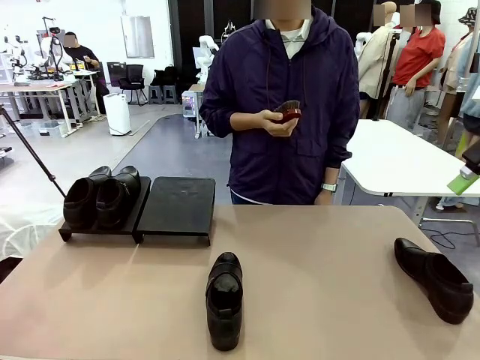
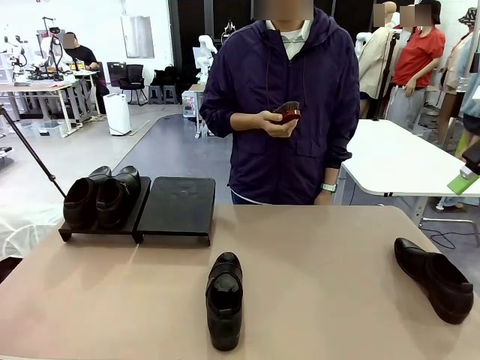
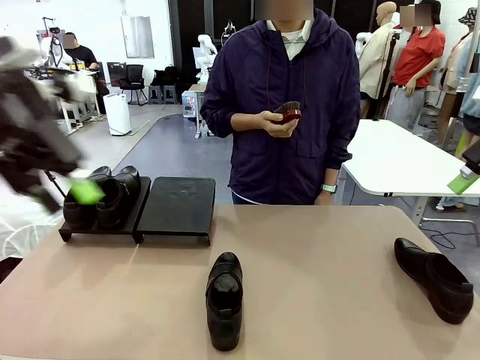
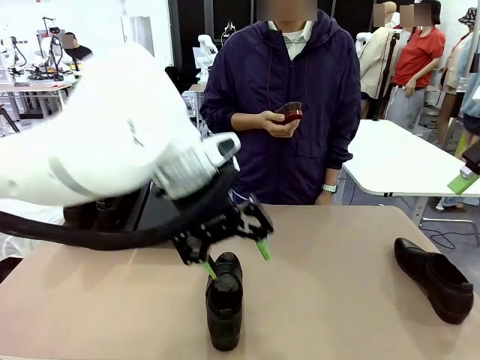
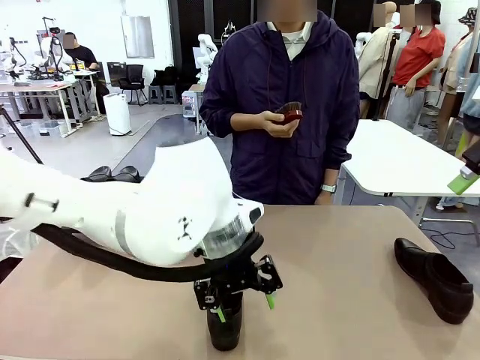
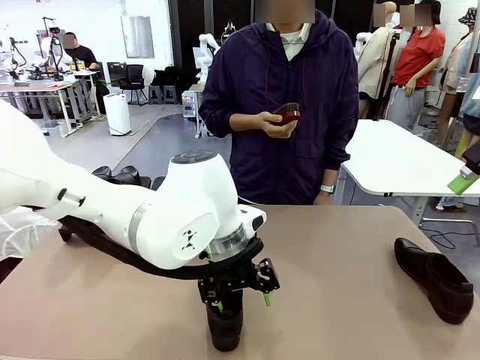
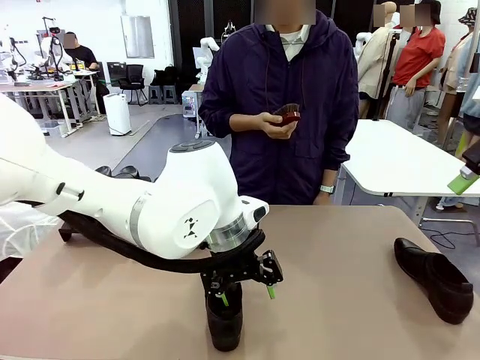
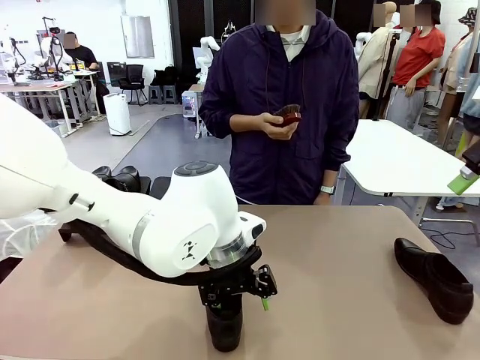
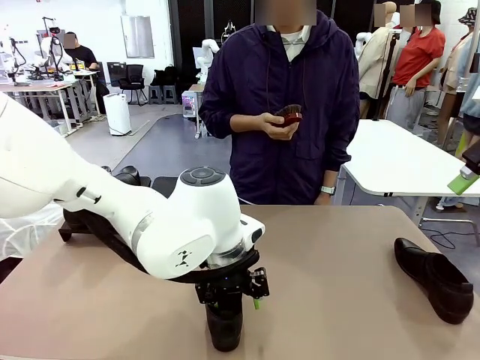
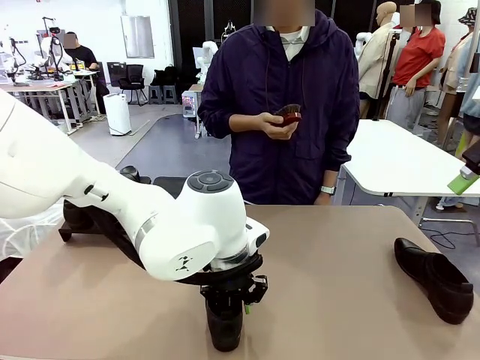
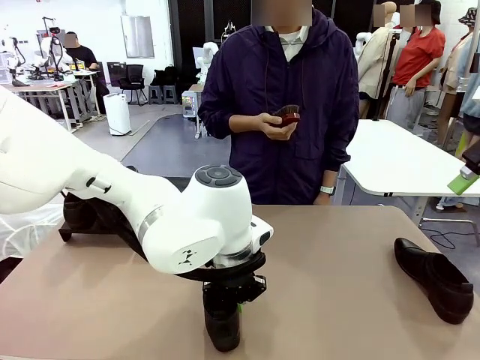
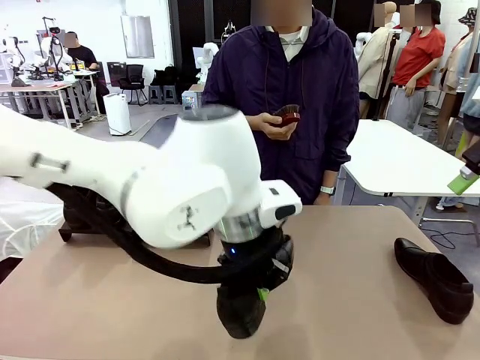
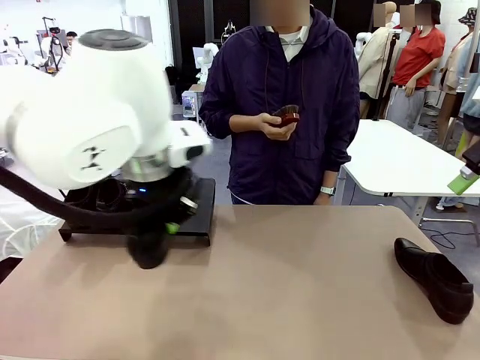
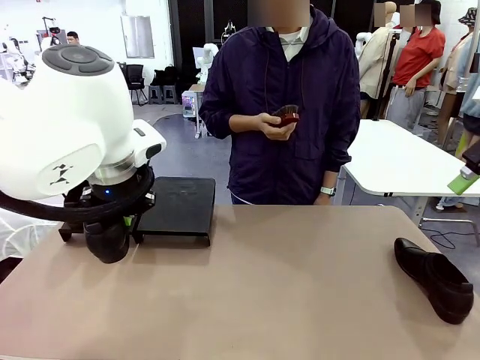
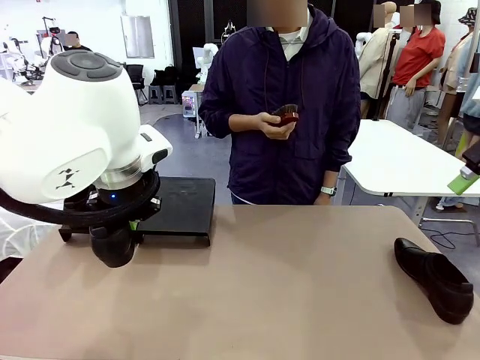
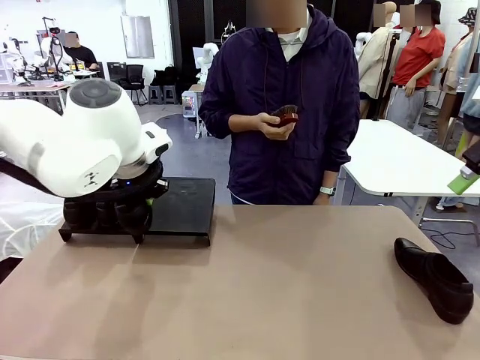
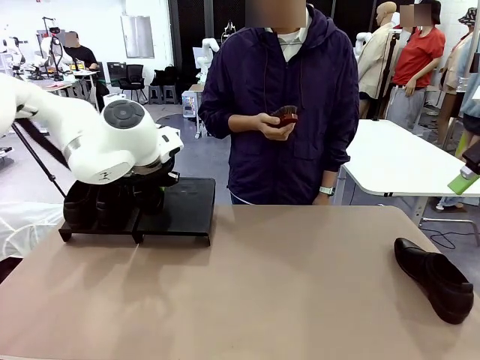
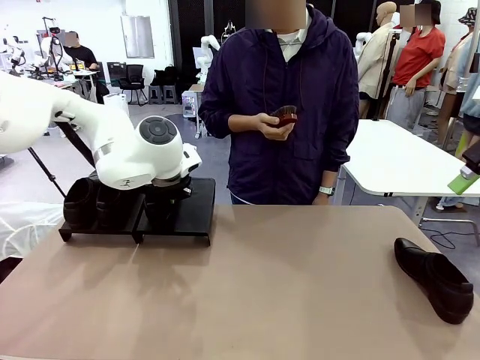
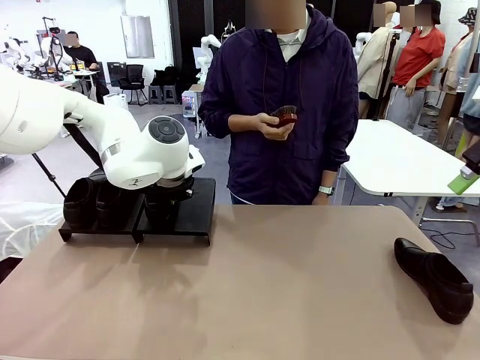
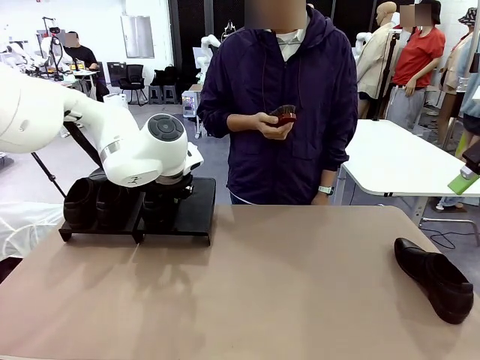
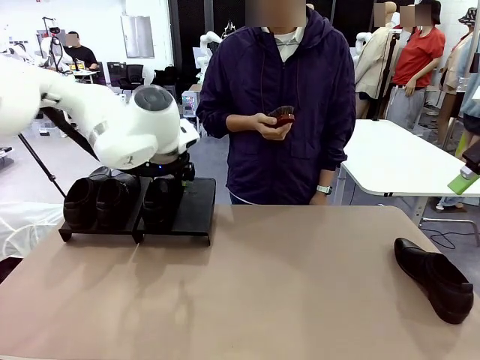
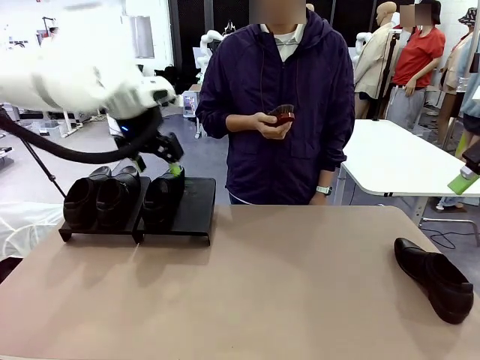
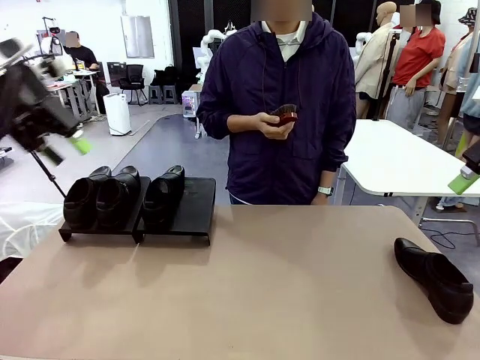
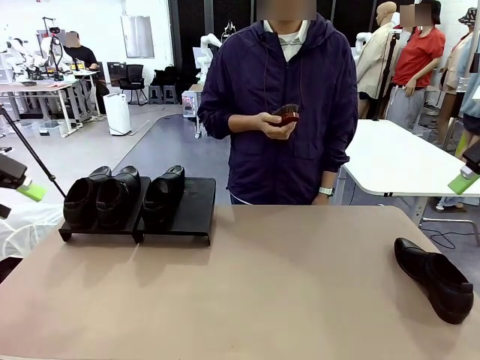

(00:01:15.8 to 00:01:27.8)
Task: Organize the shoes by placing them on the stand.
Robot: Place the Shoe from the middle of the table onto the Shoes Stand.

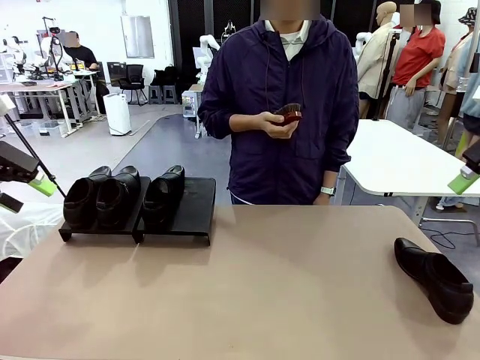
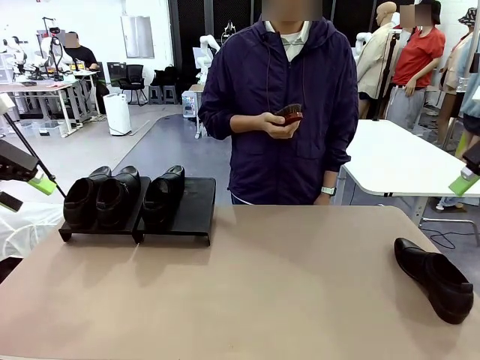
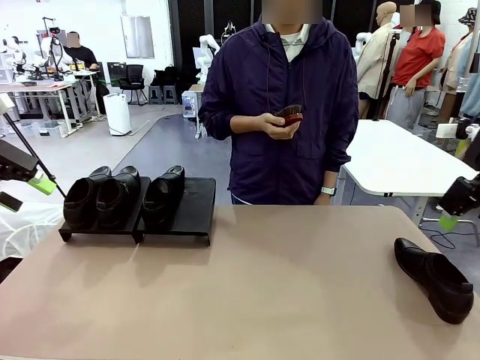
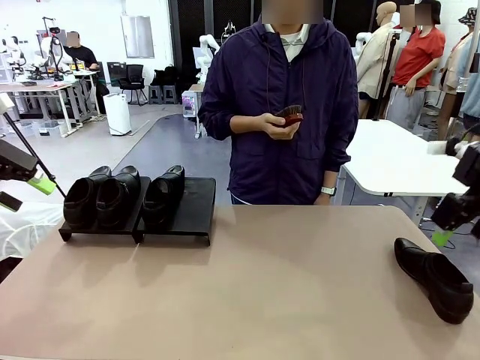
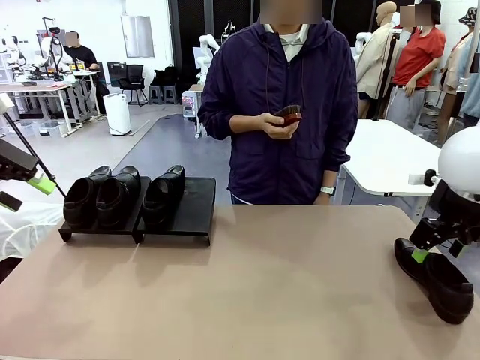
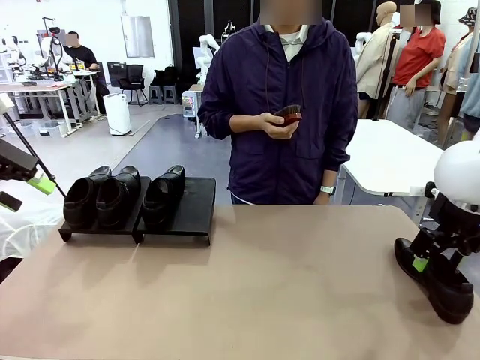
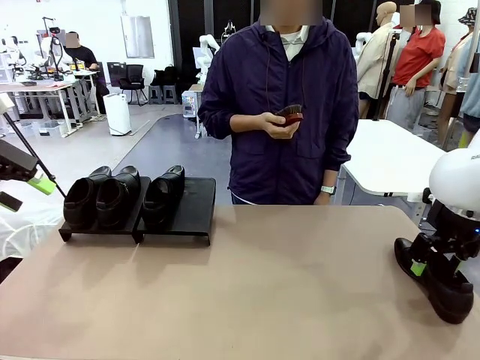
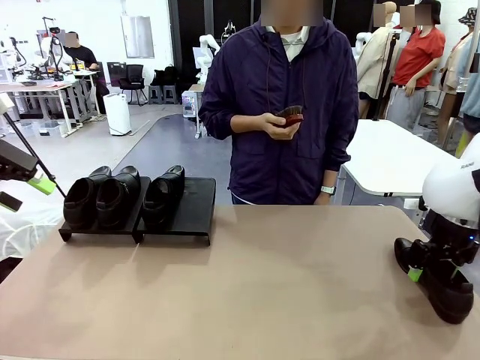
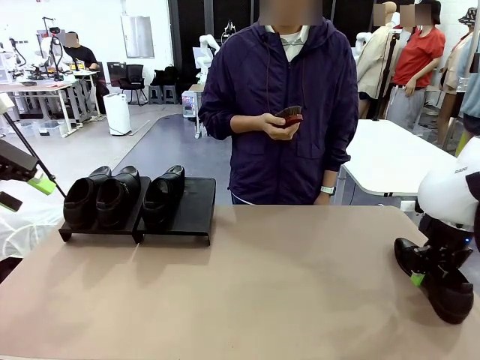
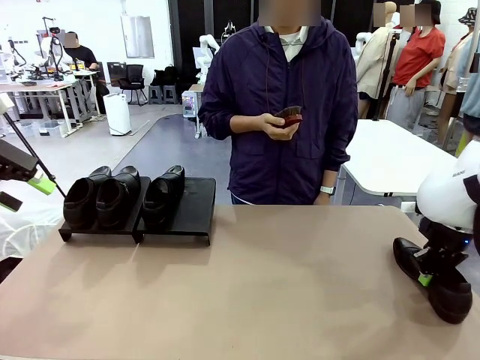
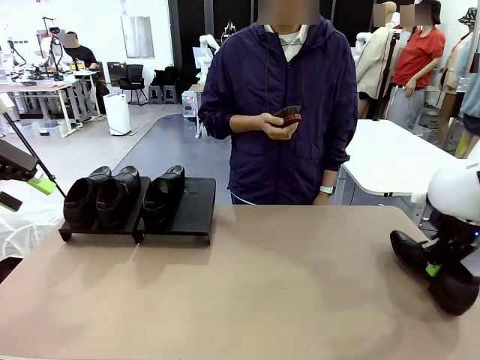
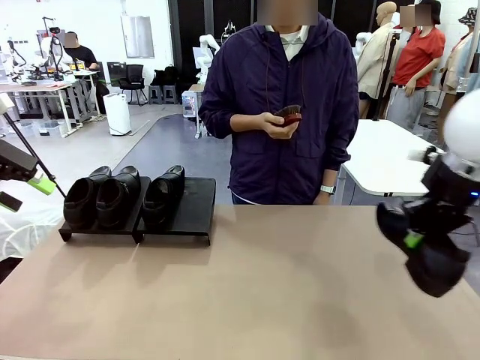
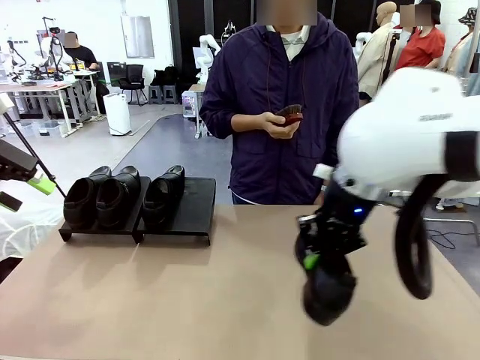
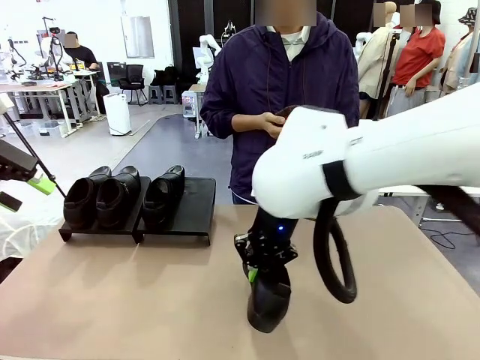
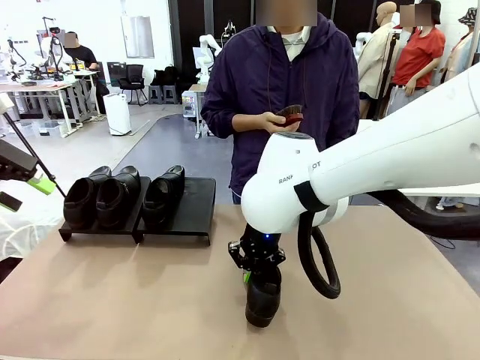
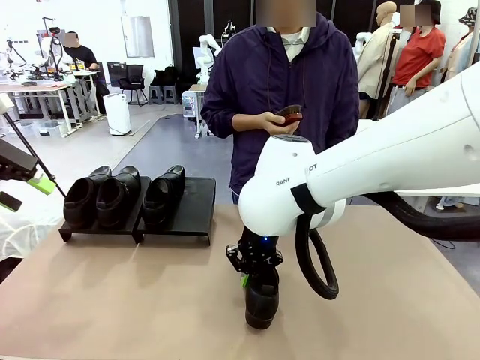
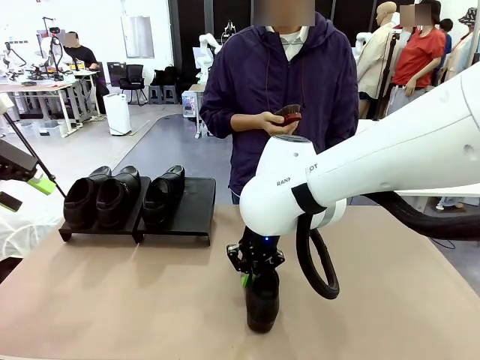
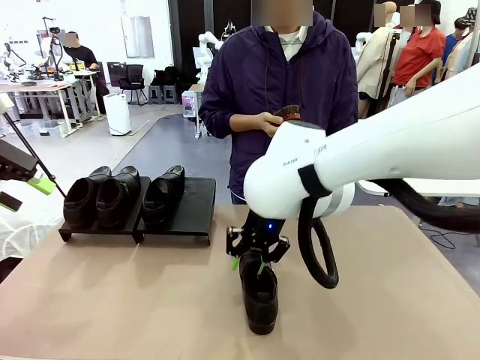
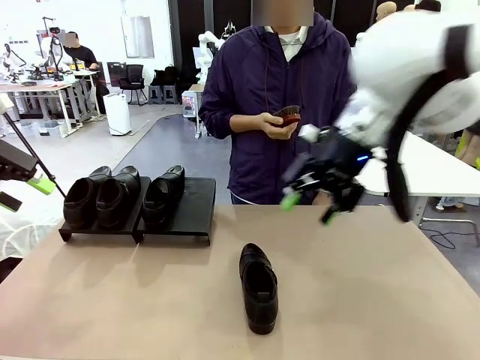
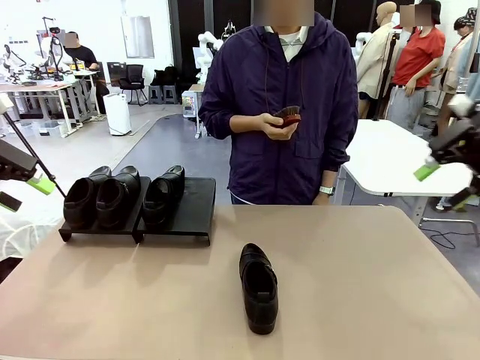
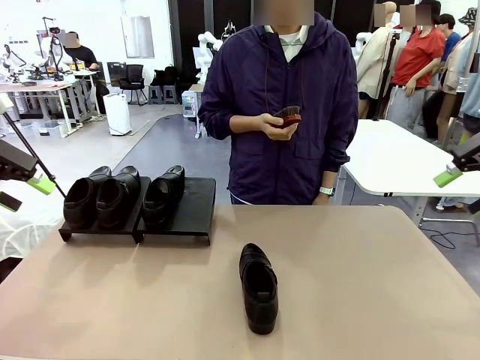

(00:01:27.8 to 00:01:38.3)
Robot: Pick up one Shoe and place it in the middle of the table.
